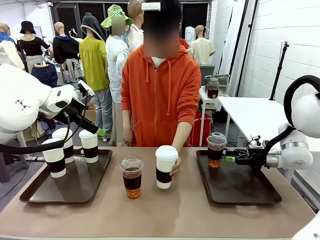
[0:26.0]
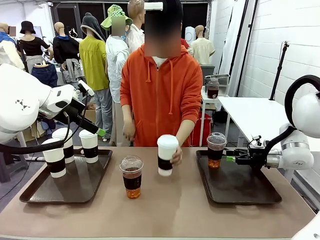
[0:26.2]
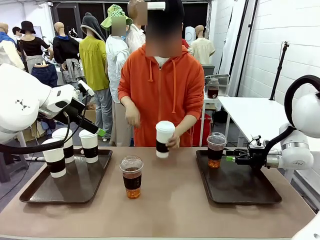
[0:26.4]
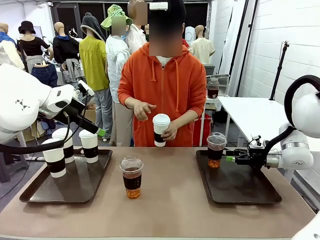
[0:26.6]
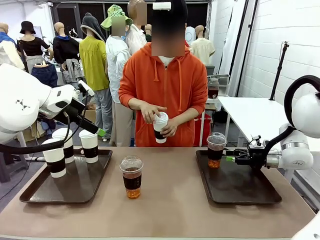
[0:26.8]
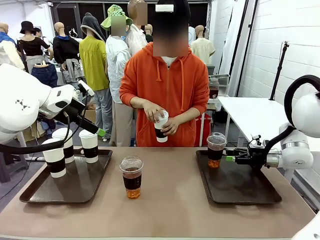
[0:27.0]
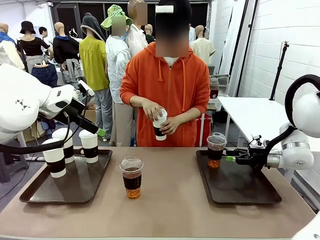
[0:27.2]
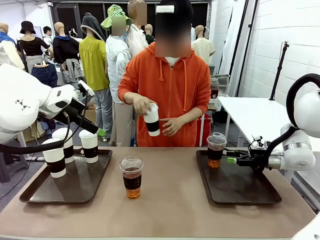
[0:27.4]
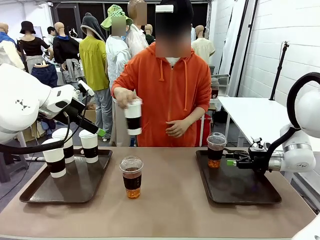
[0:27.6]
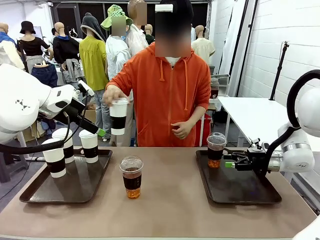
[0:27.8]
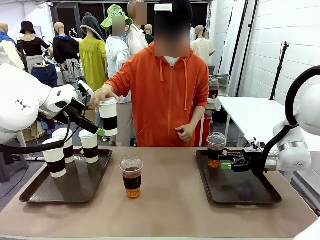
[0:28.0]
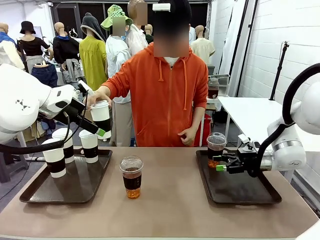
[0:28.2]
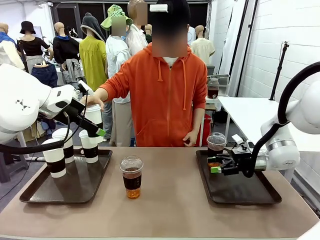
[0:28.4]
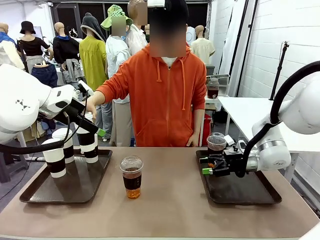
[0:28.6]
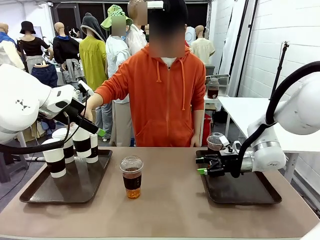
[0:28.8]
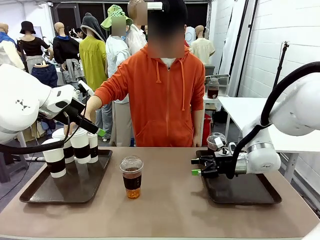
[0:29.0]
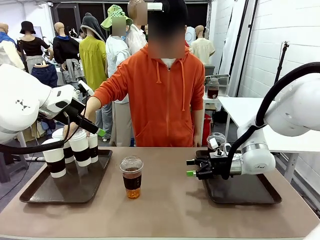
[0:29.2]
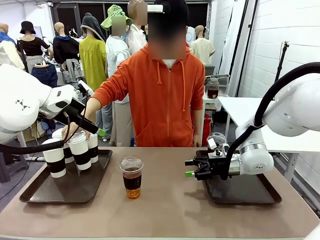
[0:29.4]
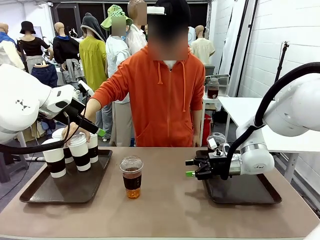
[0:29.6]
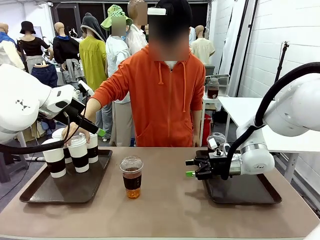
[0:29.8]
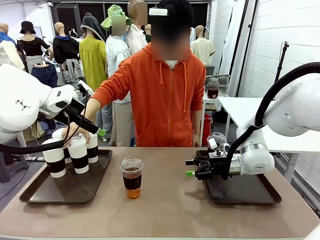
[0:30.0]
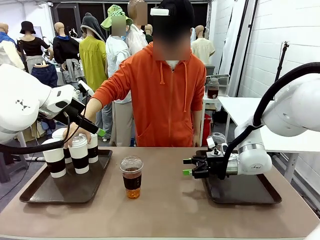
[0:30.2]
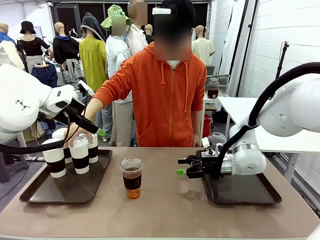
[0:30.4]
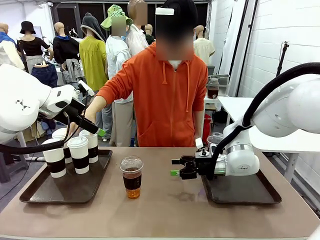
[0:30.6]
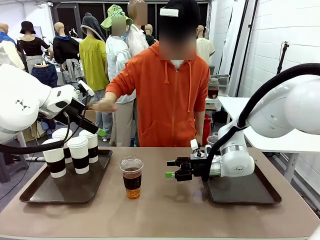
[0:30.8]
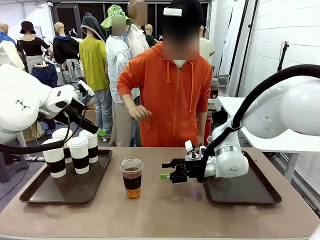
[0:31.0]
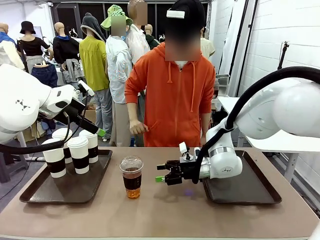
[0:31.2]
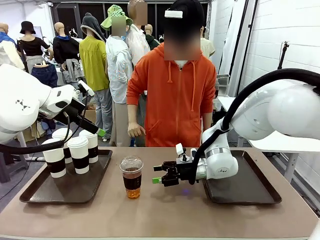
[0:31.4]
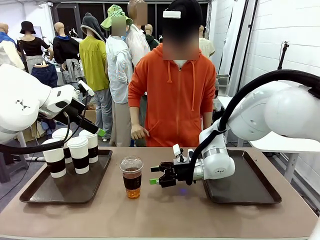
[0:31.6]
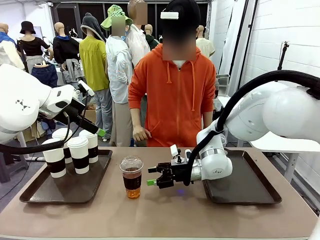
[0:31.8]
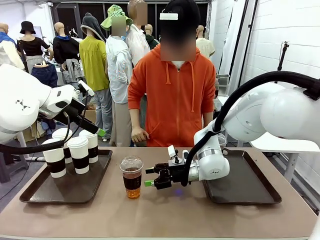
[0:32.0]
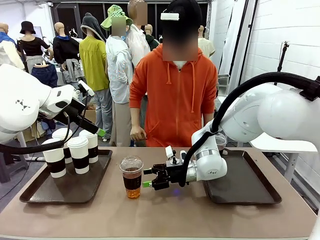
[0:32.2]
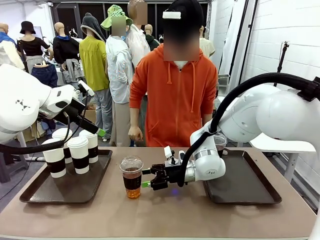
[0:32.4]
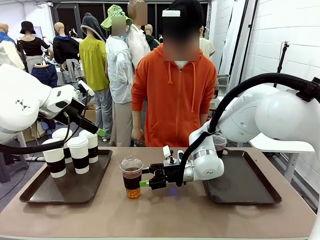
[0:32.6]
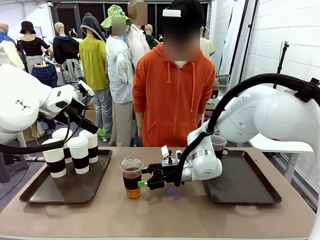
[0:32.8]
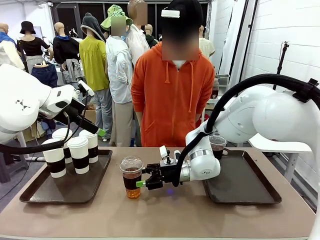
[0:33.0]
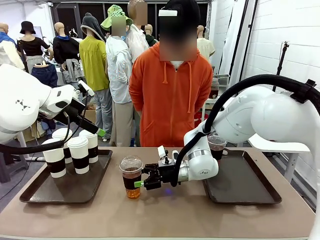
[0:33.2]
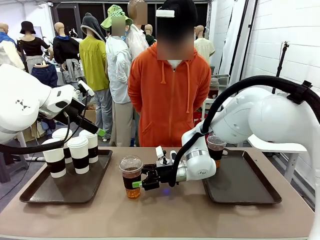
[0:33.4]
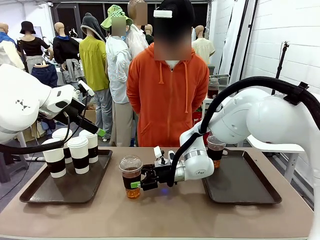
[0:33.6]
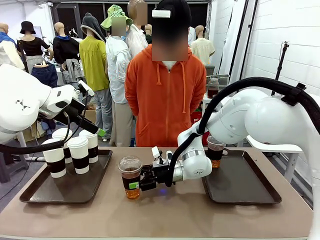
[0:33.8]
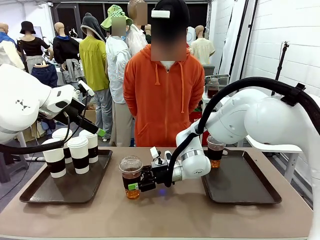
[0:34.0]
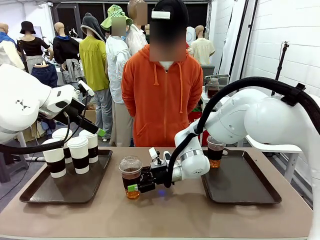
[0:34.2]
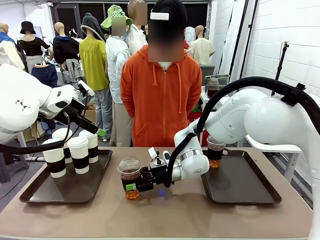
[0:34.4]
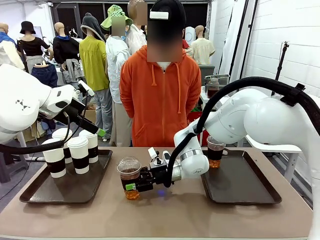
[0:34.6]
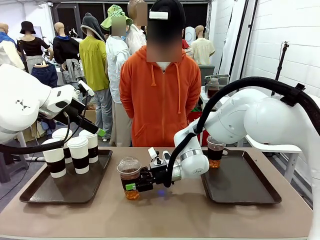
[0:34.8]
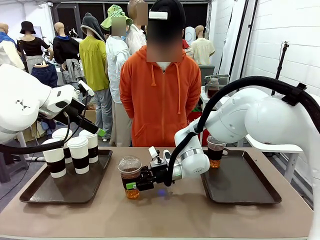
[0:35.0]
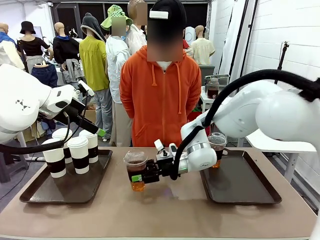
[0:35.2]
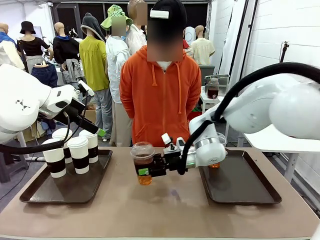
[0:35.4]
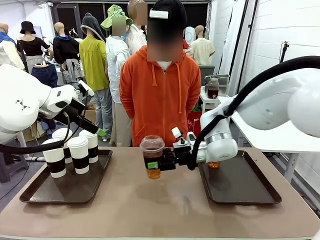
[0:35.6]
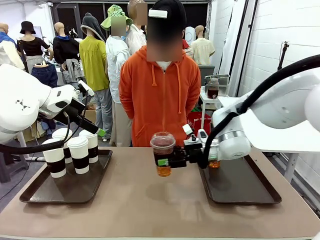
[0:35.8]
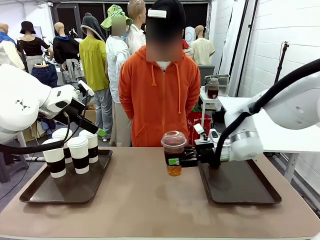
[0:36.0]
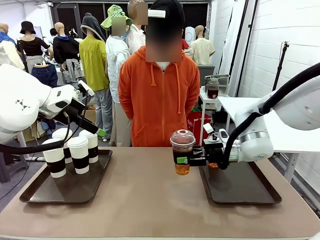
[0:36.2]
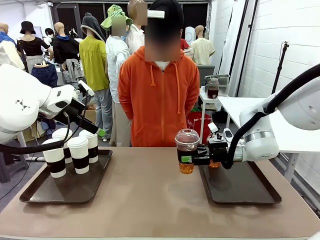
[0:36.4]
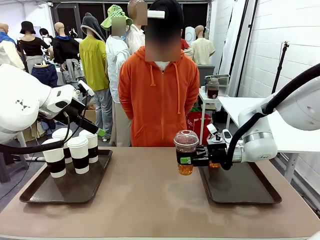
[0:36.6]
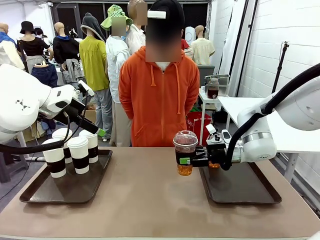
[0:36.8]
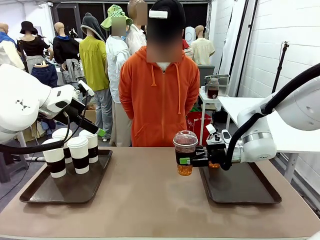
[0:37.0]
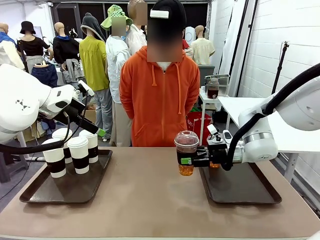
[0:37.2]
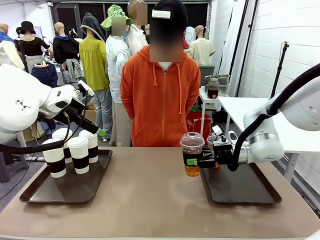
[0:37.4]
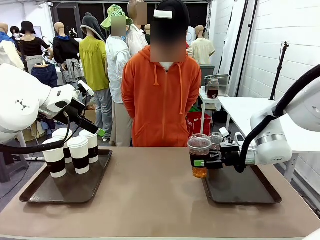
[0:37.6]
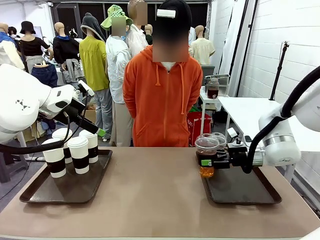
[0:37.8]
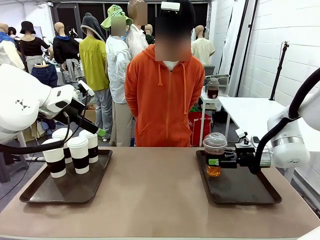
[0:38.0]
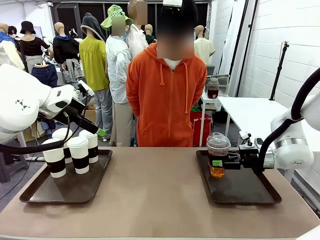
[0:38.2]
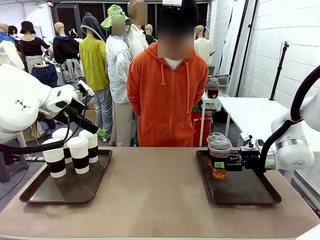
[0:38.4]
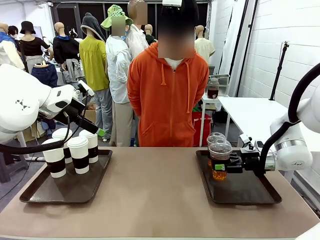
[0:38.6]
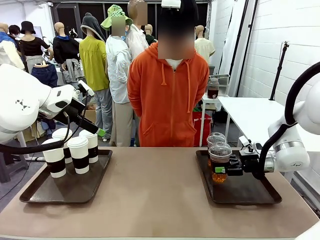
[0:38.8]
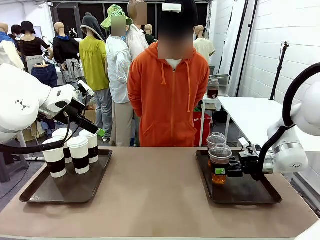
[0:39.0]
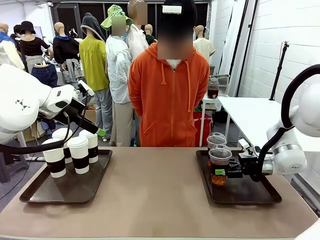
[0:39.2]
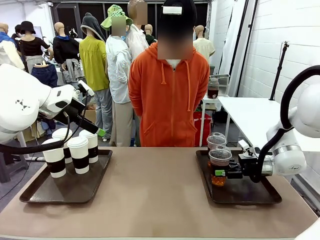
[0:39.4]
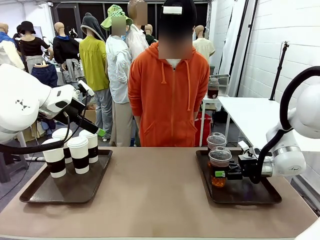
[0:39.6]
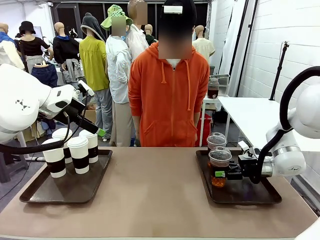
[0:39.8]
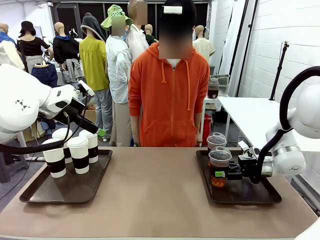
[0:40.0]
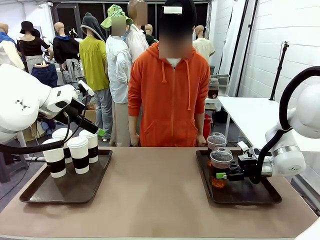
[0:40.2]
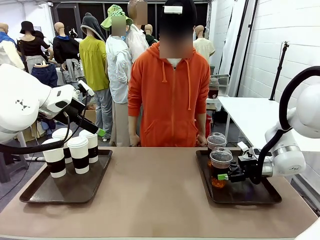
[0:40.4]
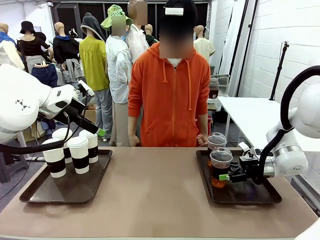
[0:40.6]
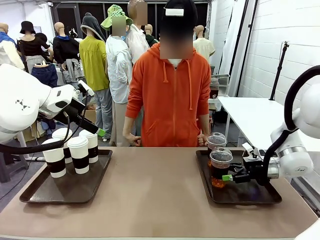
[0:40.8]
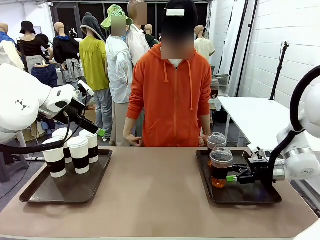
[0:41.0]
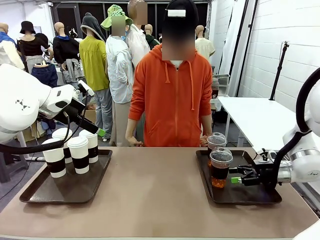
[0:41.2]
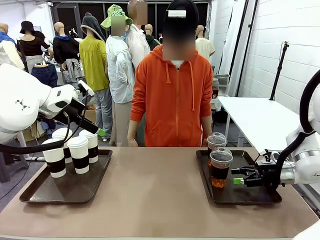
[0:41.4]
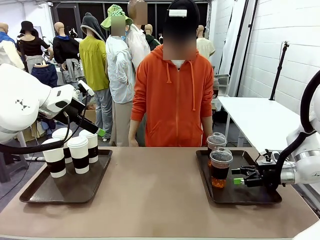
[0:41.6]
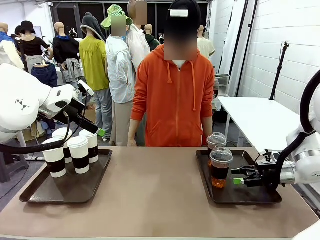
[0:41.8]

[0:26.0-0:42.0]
Task: Distribute the coffee onto the tray.
Robot: Pick up another iced Americano from the middle of the table and place it on the right Handle tray.

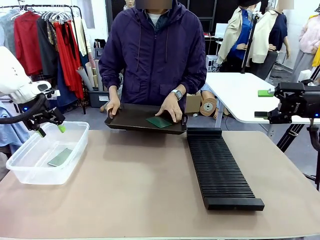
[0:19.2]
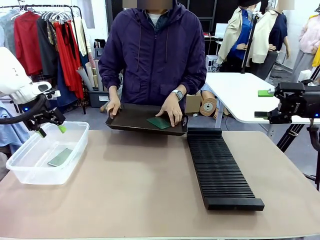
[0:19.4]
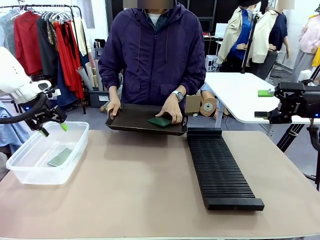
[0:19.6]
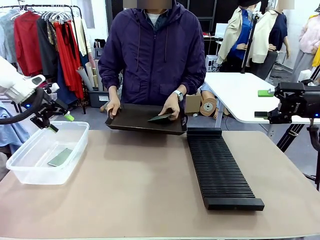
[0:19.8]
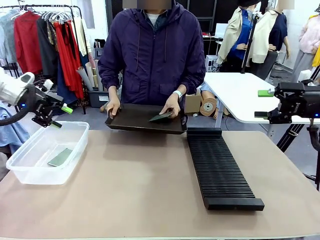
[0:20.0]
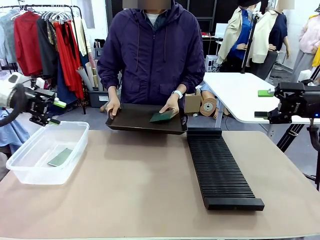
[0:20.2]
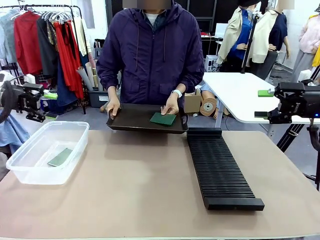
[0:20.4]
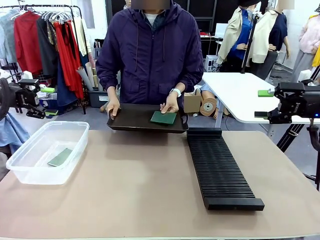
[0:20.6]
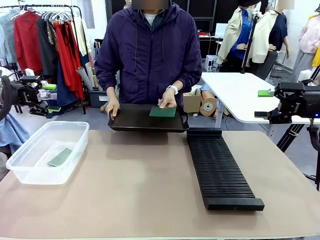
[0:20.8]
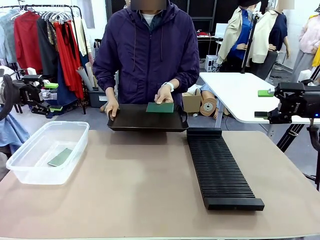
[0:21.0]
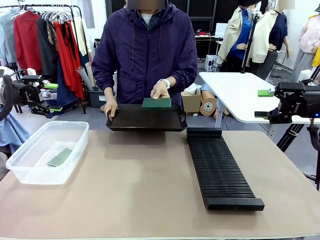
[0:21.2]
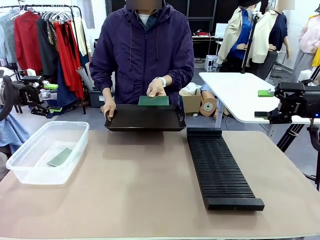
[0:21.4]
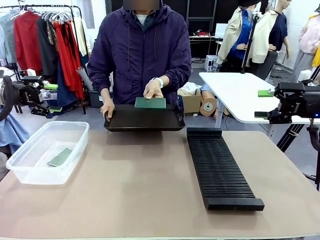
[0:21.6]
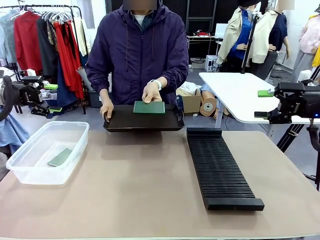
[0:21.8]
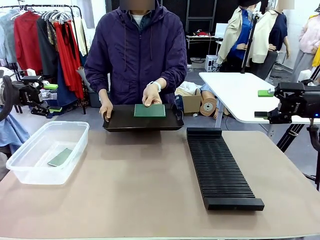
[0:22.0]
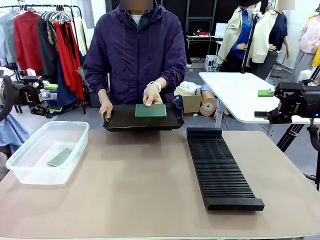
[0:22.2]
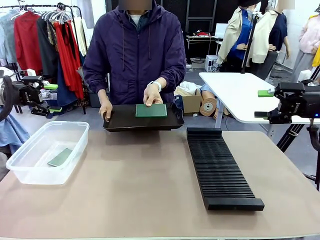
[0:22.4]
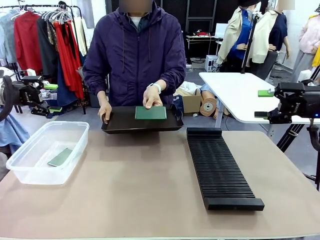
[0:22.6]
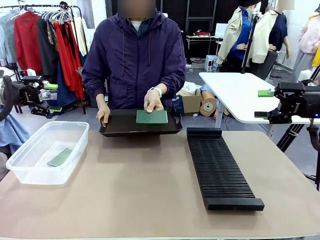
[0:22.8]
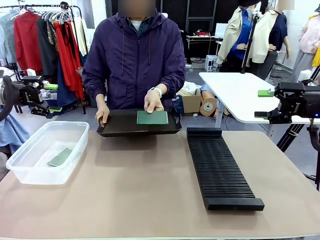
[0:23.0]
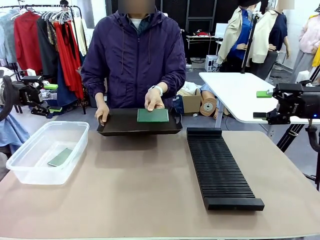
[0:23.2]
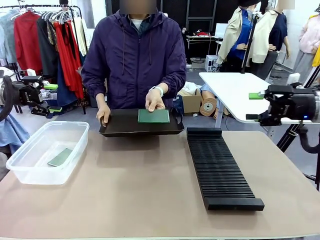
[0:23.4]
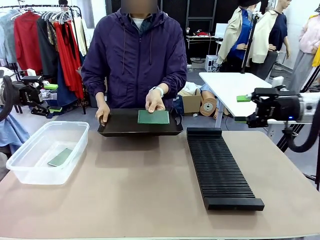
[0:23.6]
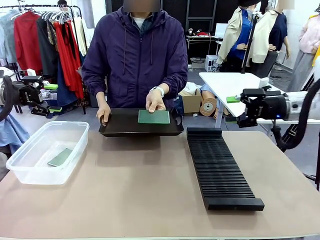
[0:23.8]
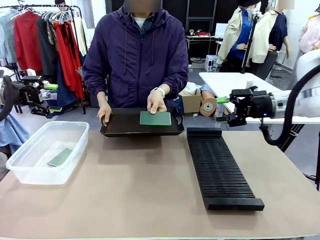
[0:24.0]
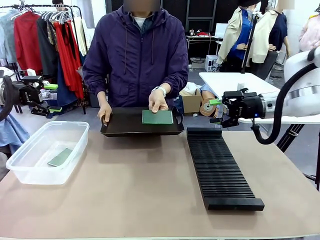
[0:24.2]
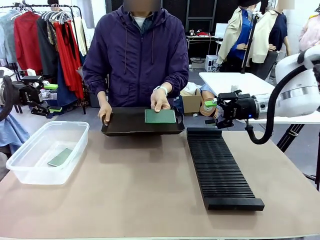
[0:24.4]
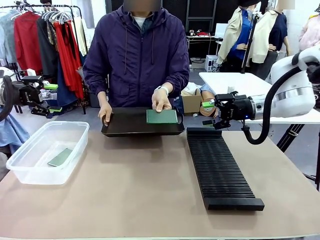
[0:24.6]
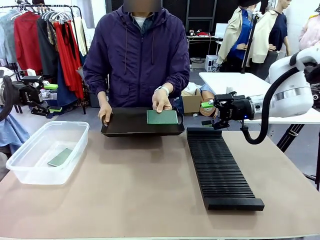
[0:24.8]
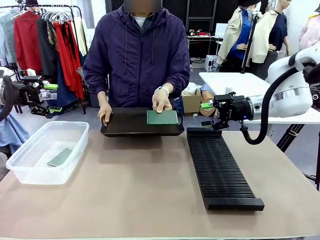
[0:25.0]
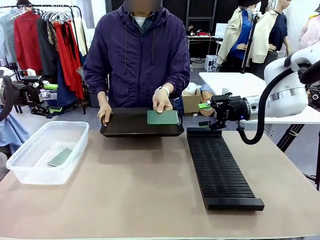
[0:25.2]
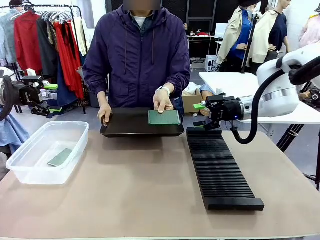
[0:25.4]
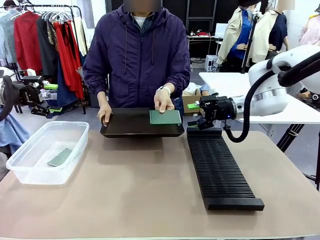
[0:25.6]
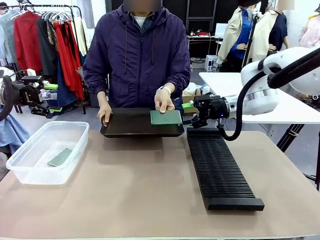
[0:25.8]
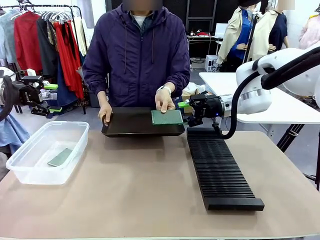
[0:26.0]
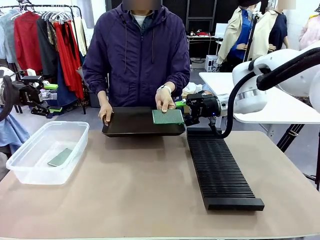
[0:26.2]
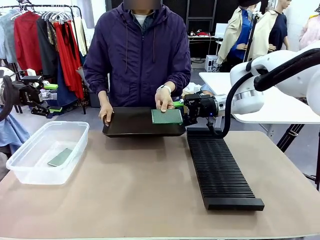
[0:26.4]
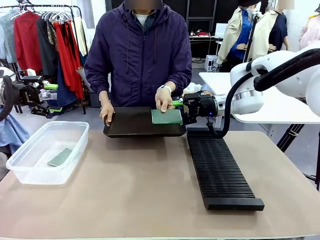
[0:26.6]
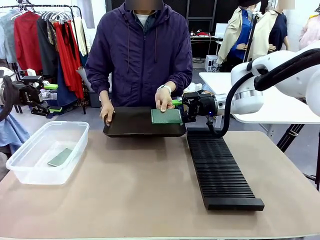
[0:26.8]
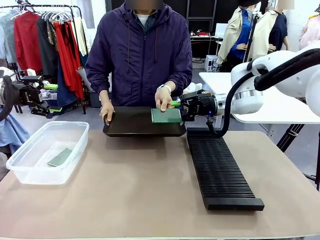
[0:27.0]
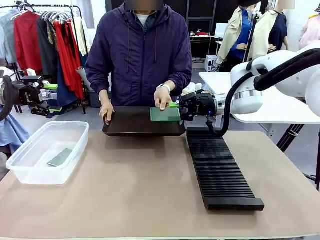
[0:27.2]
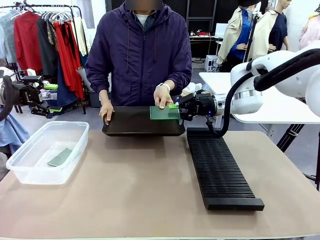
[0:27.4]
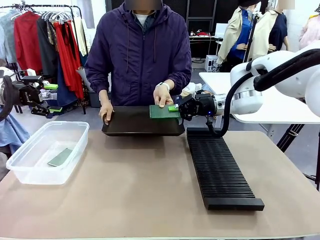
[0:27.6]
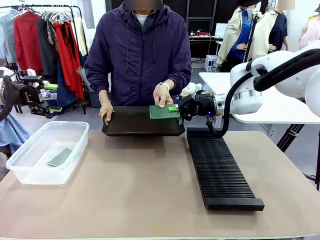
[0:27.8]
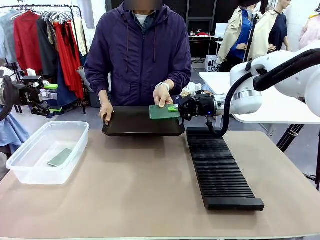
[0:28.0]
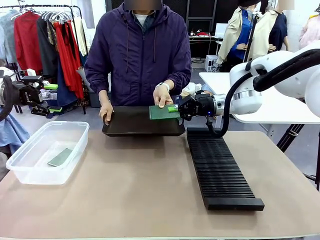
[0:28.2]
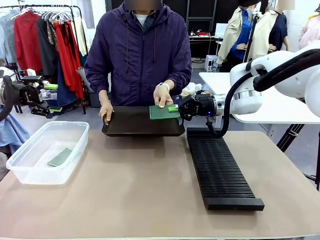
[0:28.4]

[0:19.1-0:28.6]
Task: Sort PCBs into racks and boxes based on the side picked up.
Robot: Pick up the Blank PCB handed by the Human.
